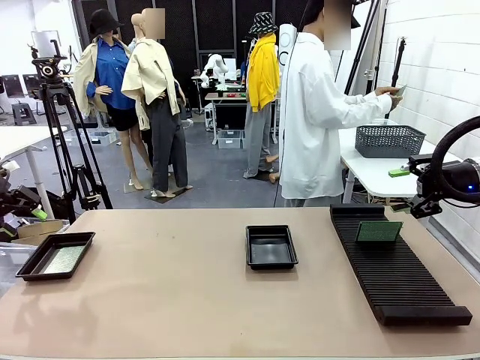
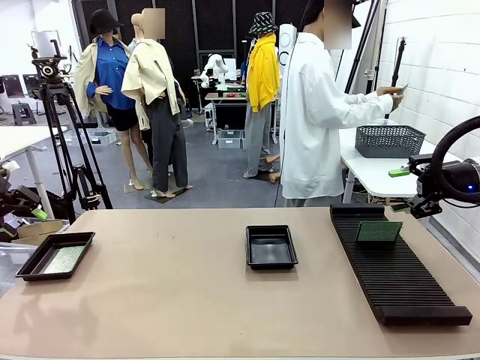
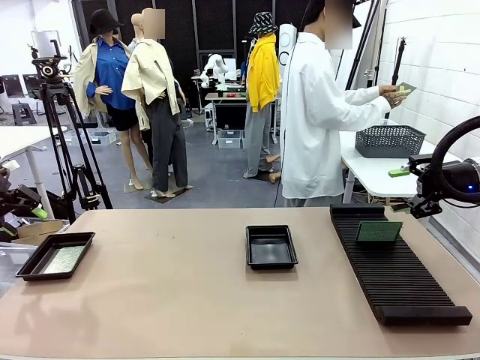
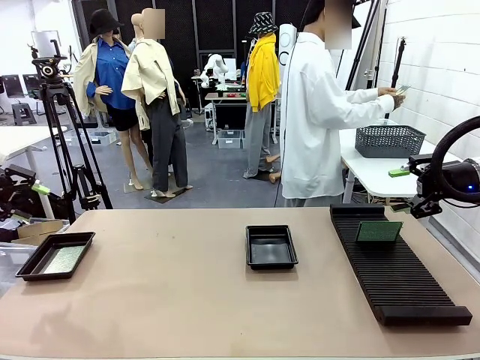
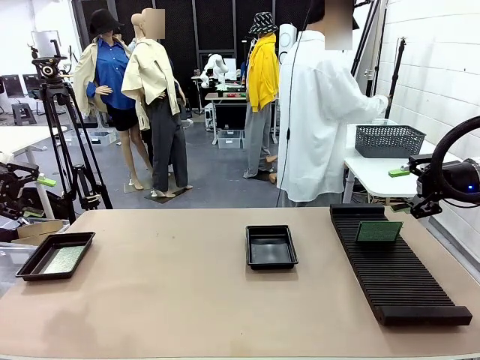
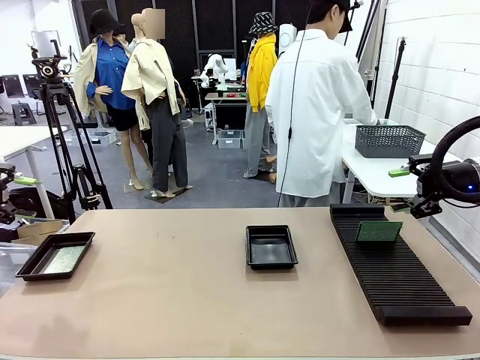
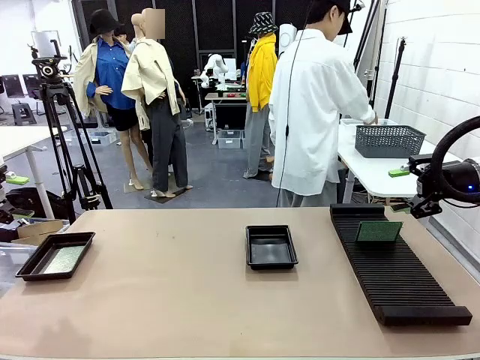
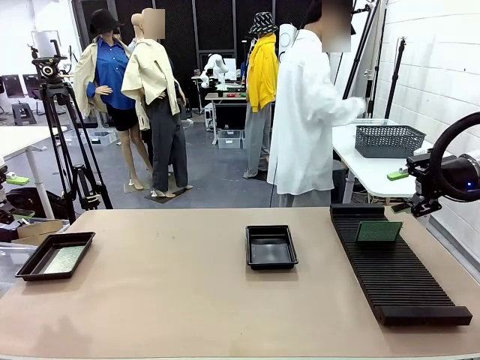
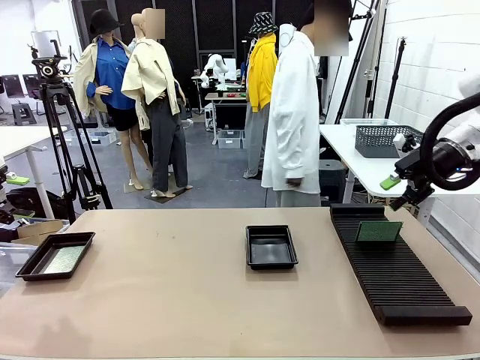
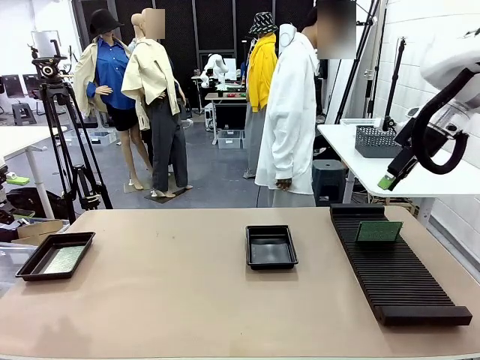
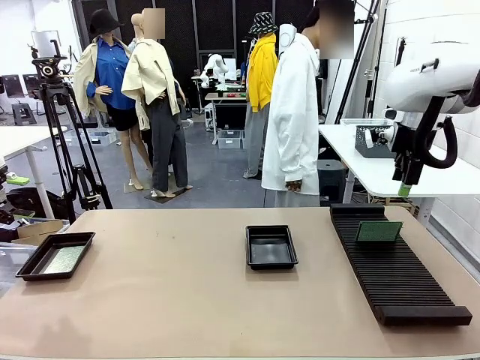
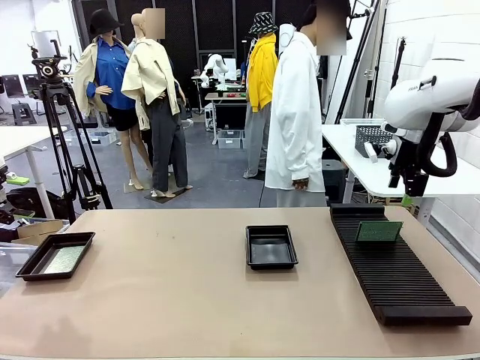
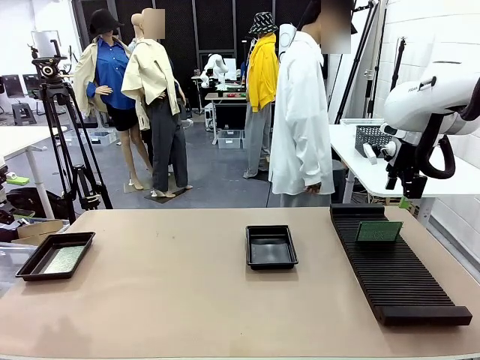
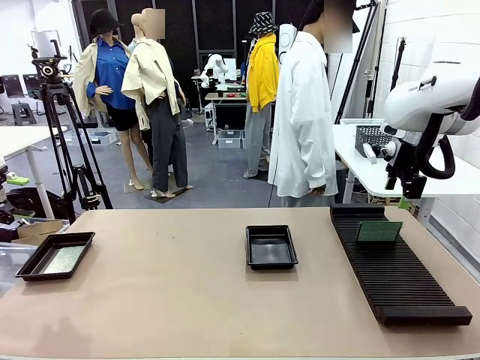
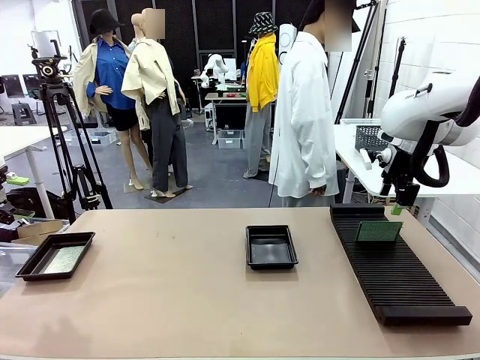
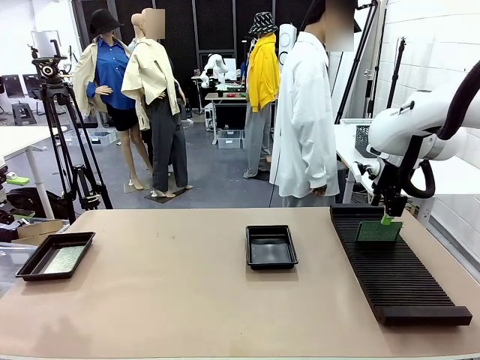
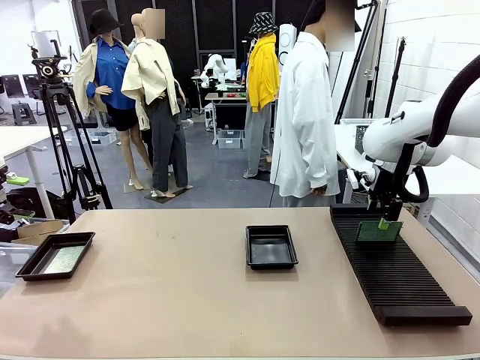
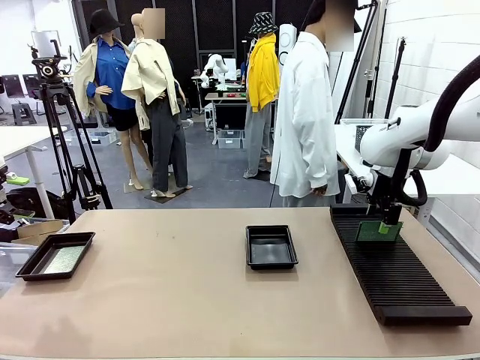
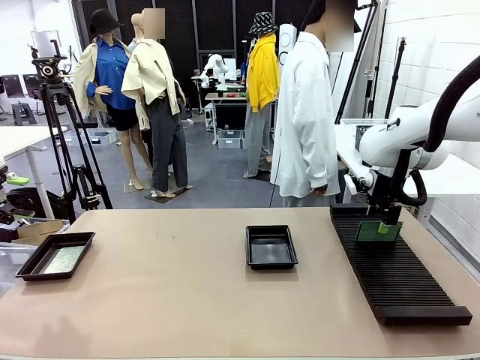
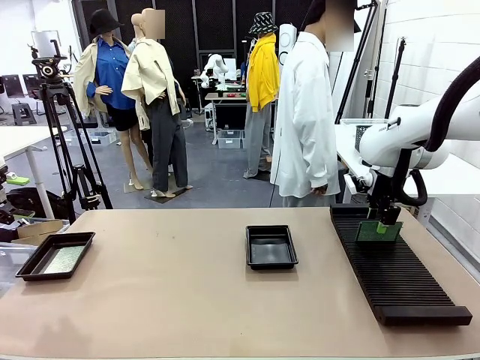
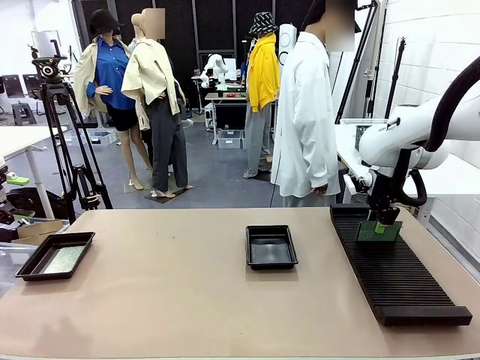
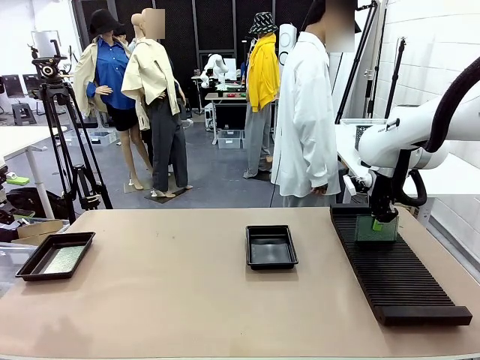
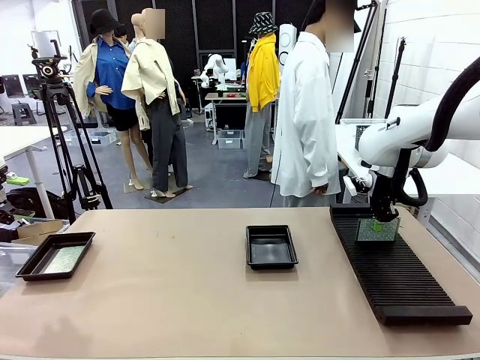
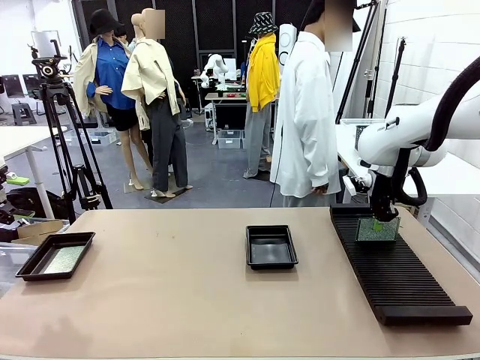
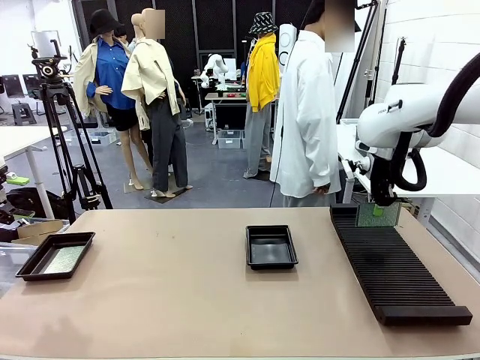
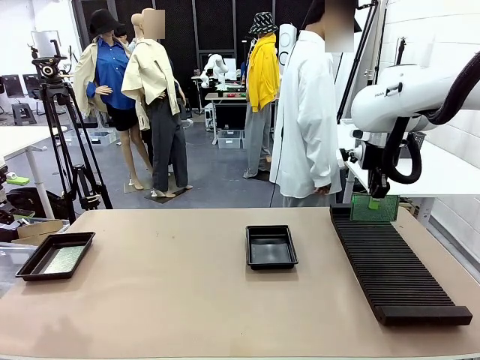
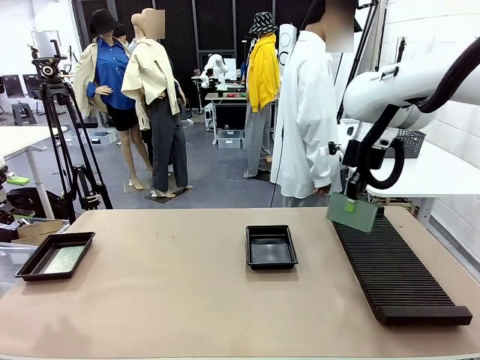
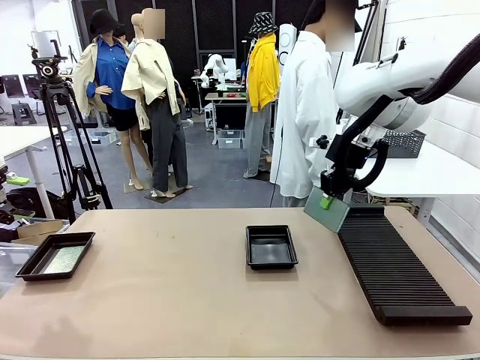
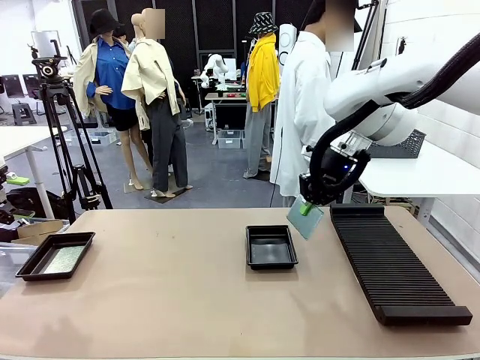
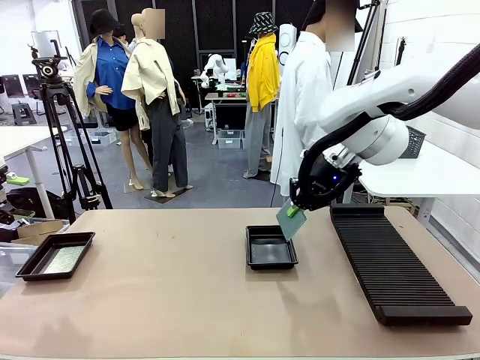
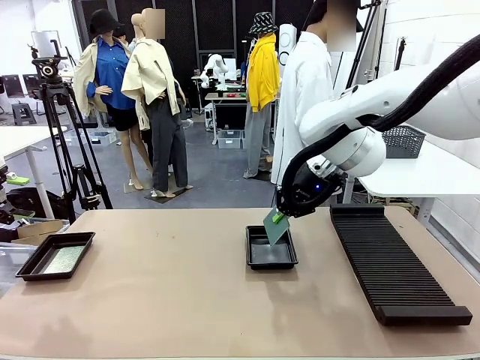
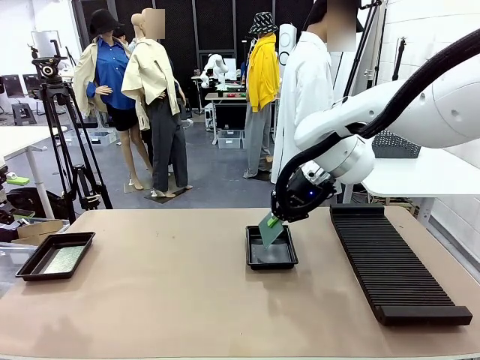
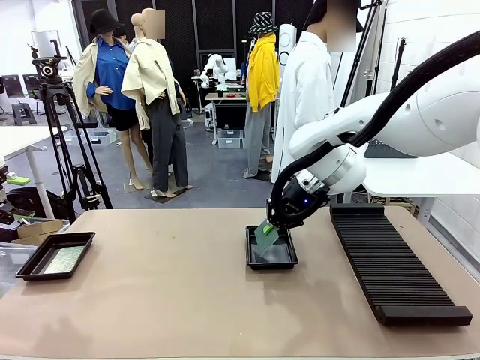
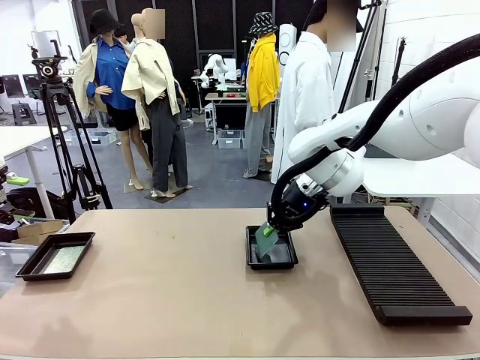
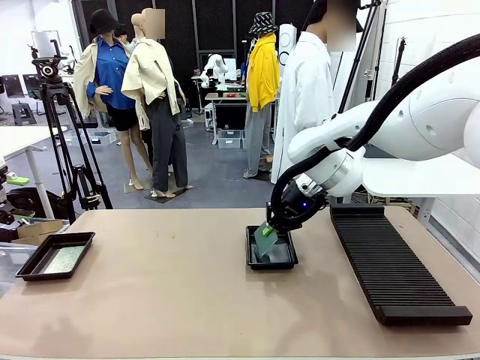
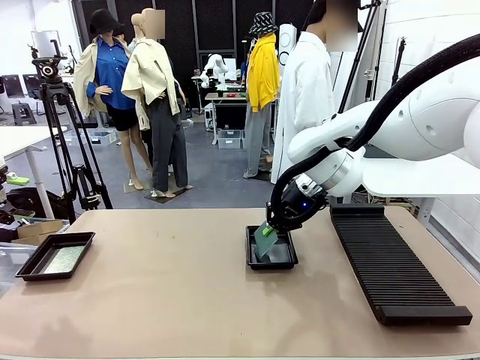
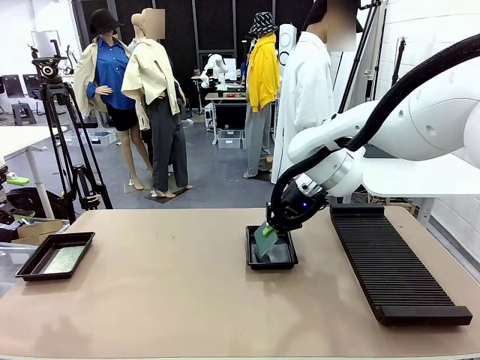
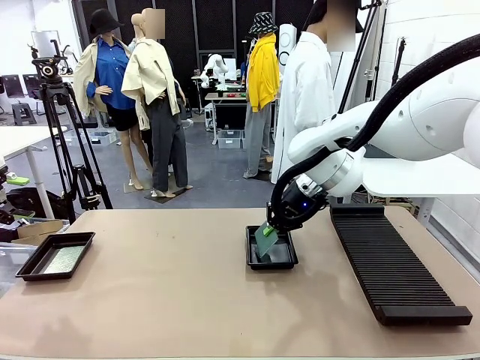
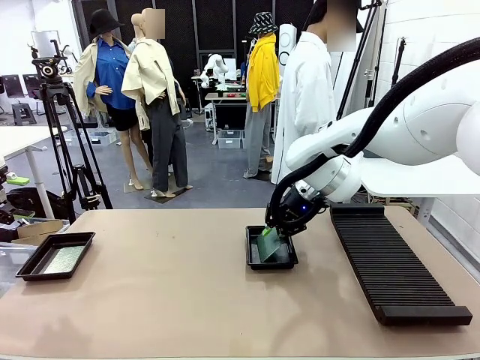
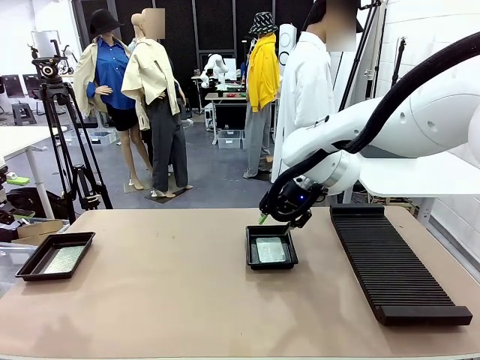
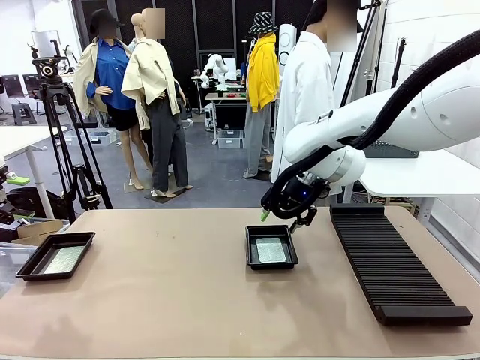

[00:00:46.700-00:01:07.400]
Task: Inspect and transfer BCBs to ESD trays.
Robot: Pick up the Blank PCB from the PCB Rack and place it in the right ESD tray.
